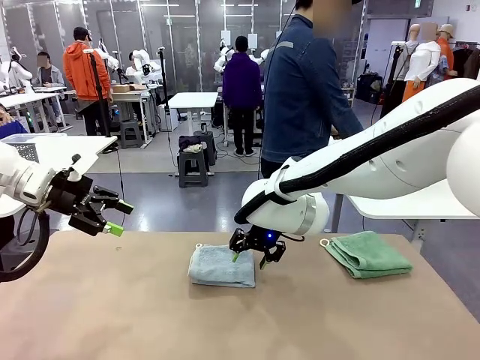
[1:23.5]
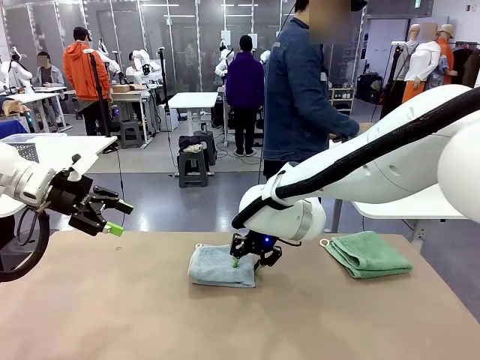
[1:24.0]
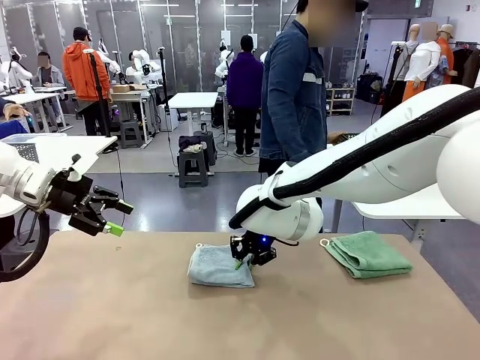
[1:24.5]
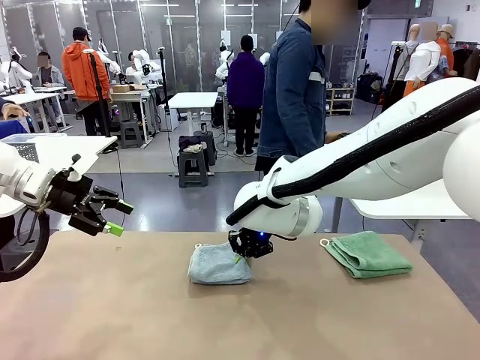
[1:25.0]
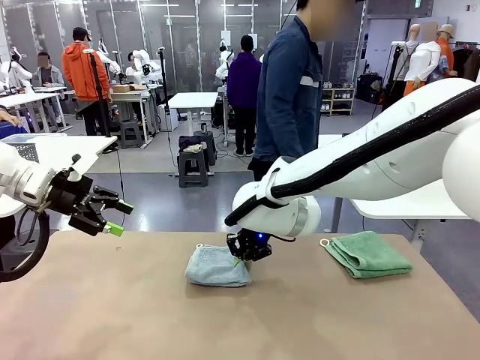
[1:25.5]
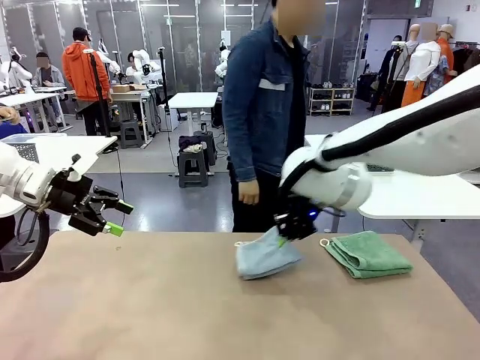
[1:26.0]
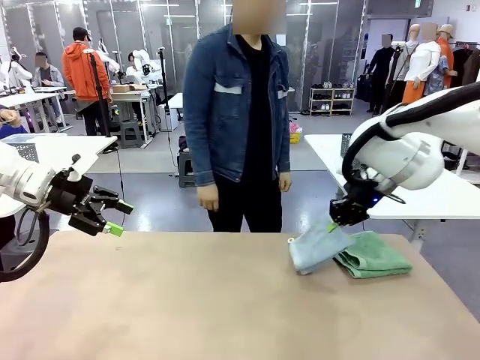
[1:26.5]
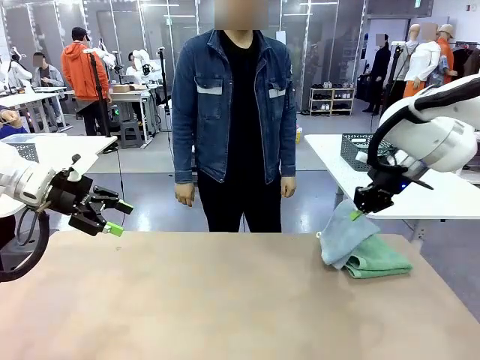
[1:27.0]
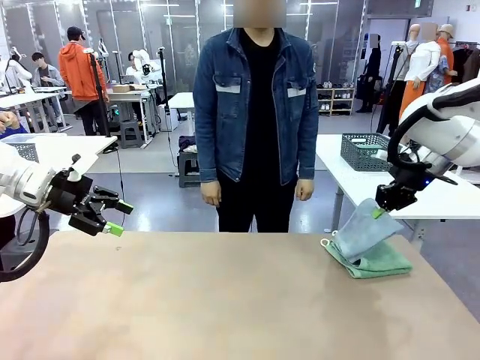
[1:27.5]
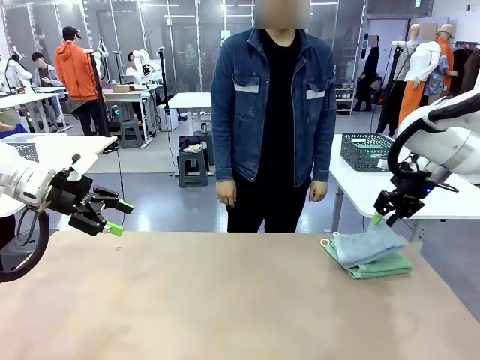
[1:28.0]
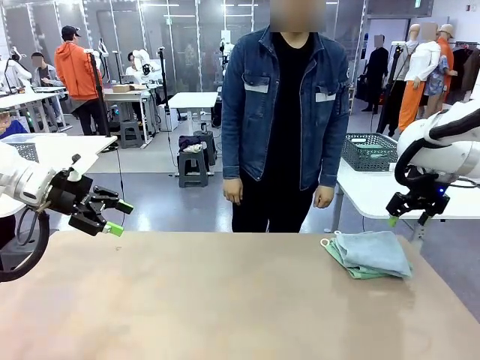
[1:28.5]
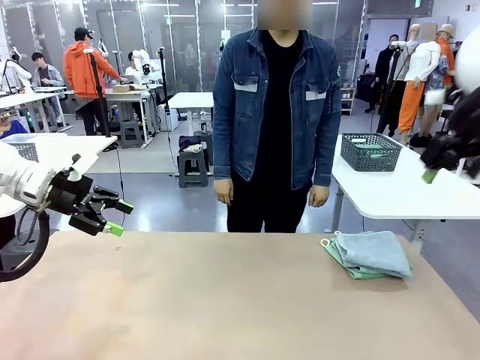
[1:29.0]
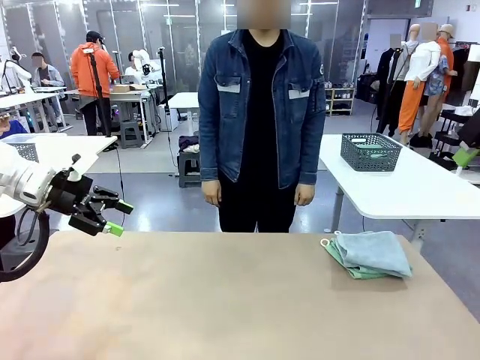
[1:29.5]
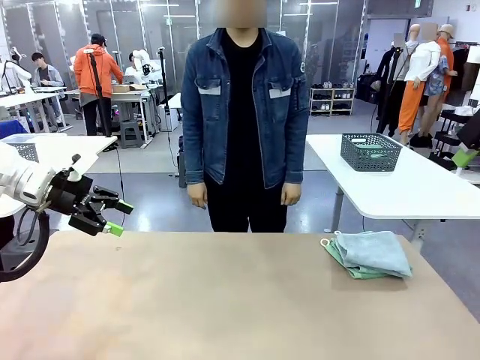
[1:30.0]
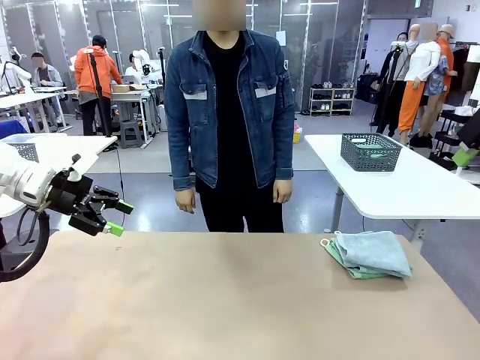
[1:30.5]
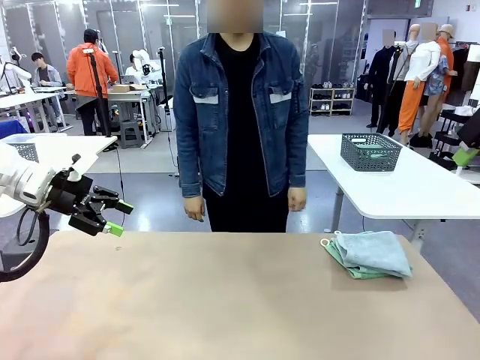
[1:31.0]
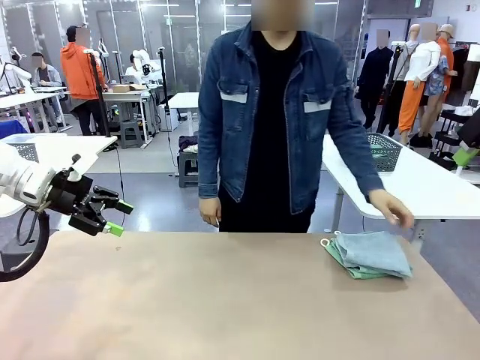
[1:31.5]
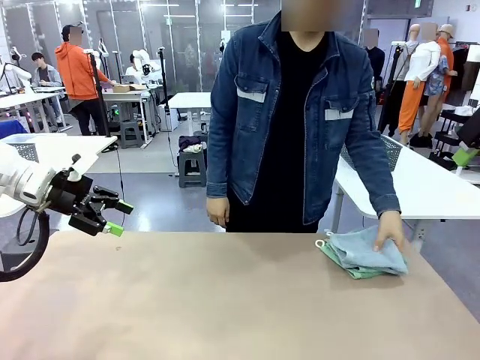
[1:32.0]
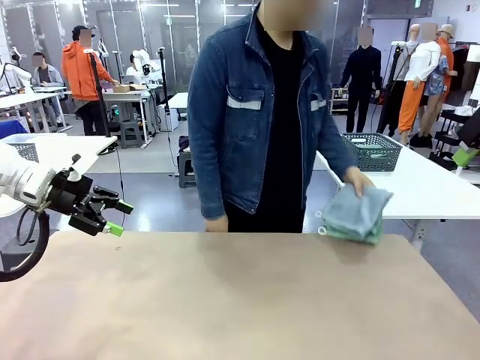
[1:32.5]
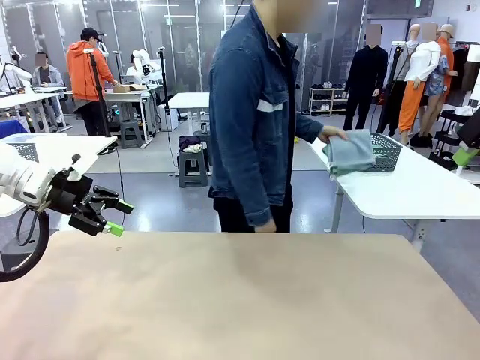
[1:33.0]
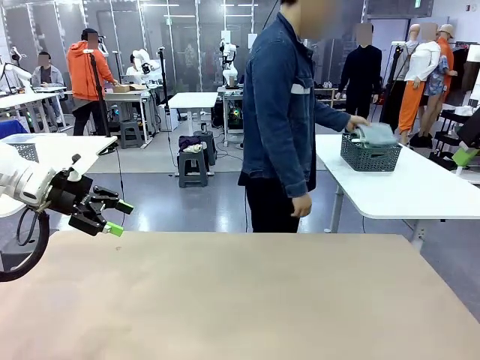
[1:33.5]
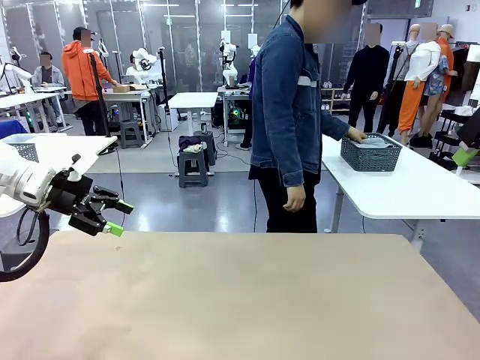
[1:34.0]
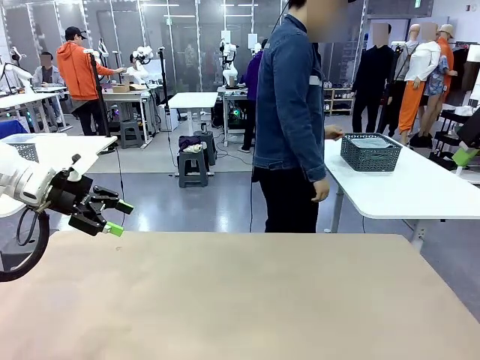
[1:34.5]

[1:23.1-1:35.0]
Task: Fold the towels and place them in the basket.
Robot: Stack the folded Towel with hook on the right side of the table.
Person: Pick up the stack of towels from the robot table and place it into the basket.

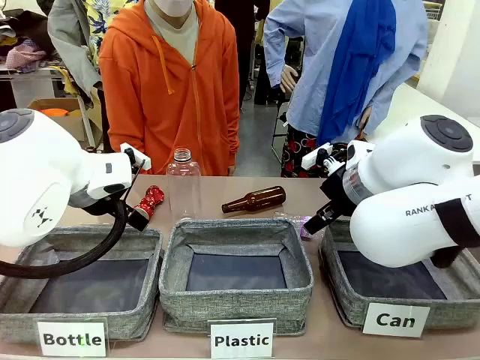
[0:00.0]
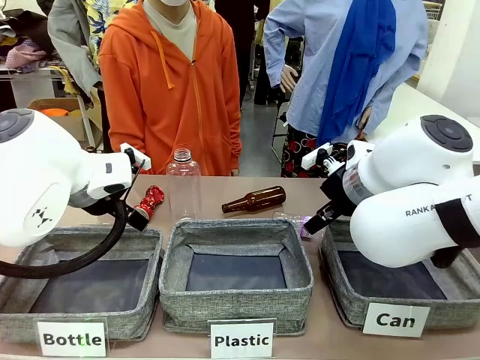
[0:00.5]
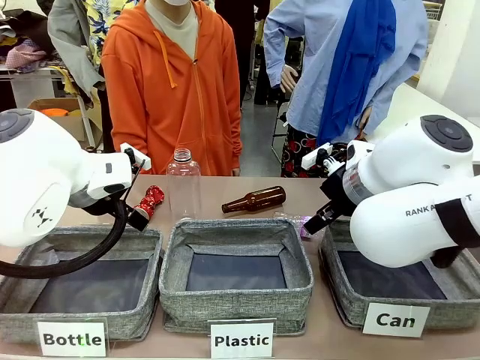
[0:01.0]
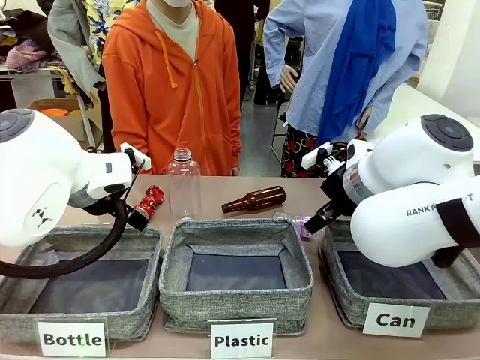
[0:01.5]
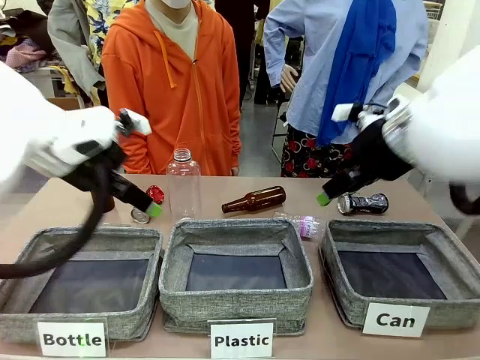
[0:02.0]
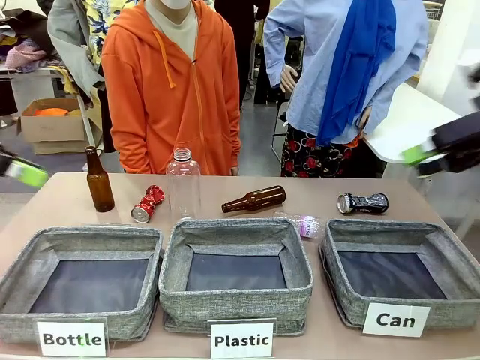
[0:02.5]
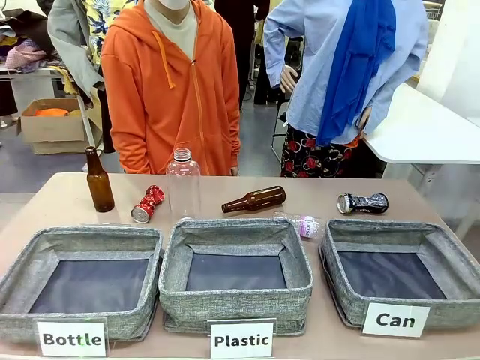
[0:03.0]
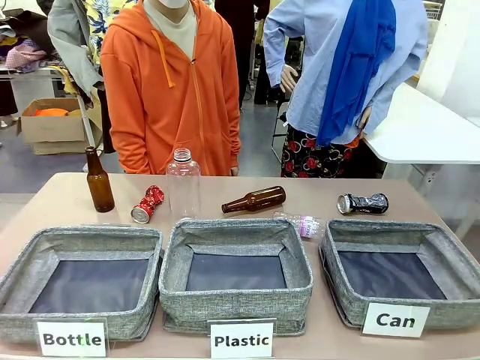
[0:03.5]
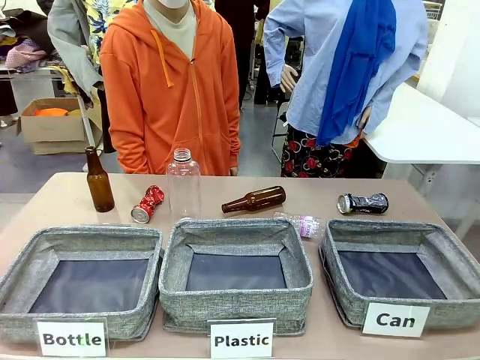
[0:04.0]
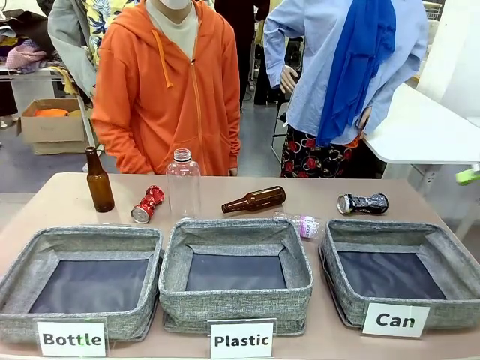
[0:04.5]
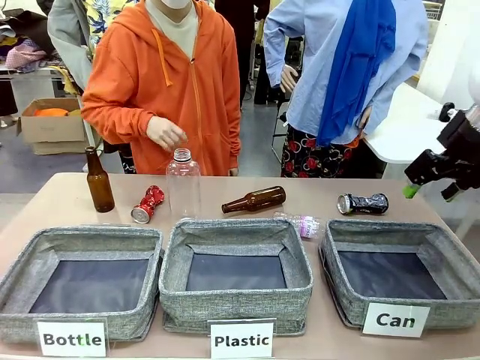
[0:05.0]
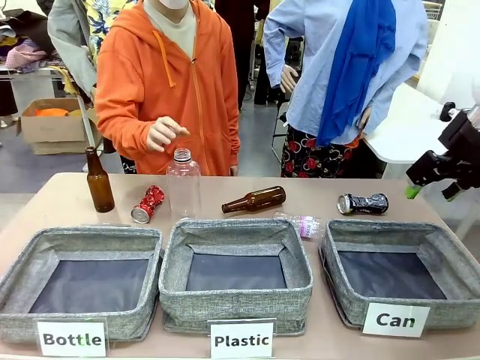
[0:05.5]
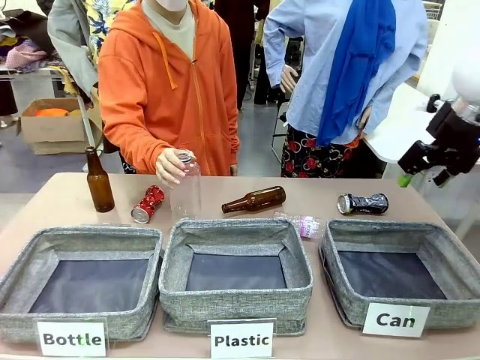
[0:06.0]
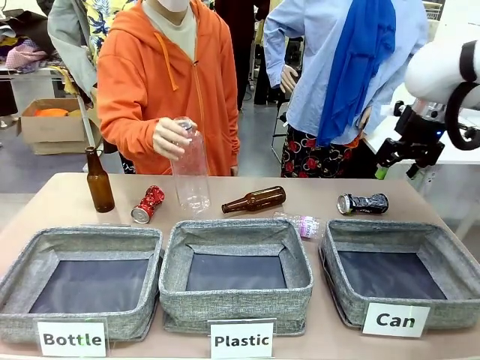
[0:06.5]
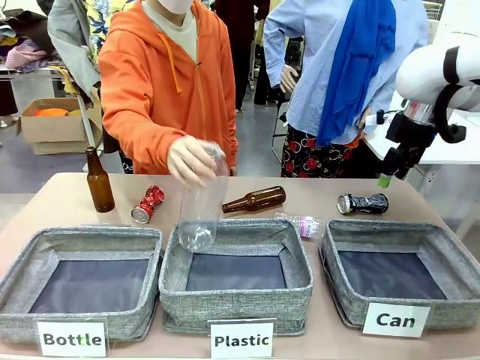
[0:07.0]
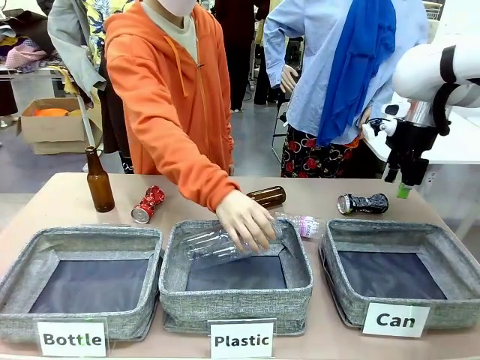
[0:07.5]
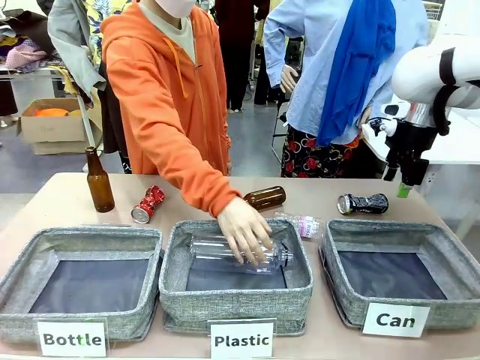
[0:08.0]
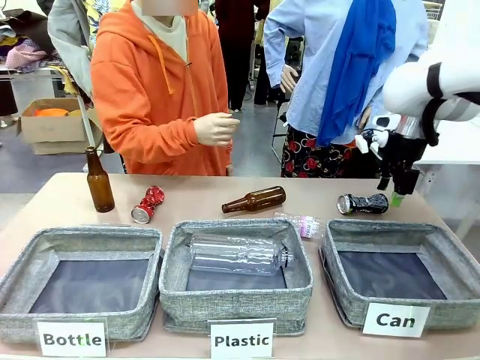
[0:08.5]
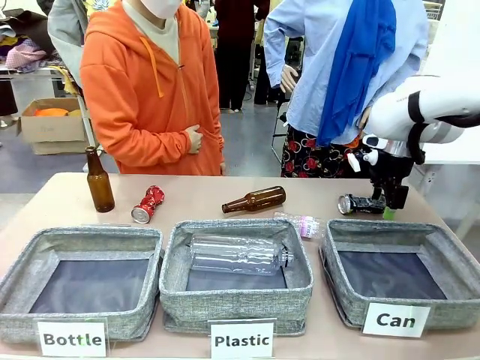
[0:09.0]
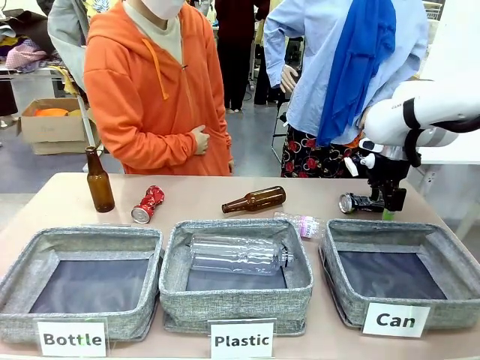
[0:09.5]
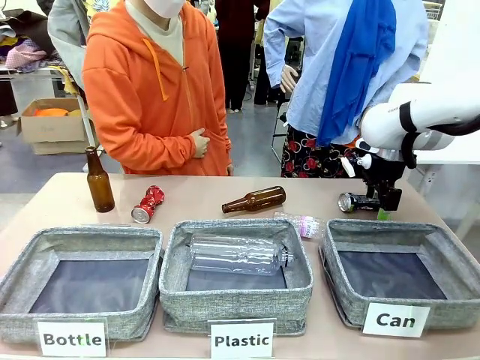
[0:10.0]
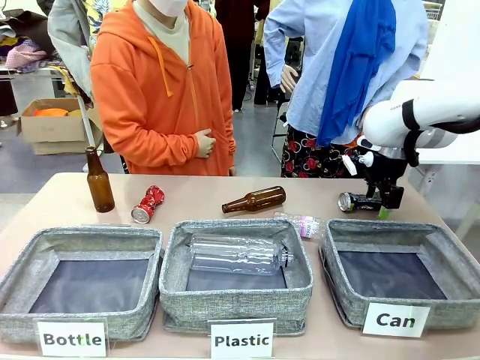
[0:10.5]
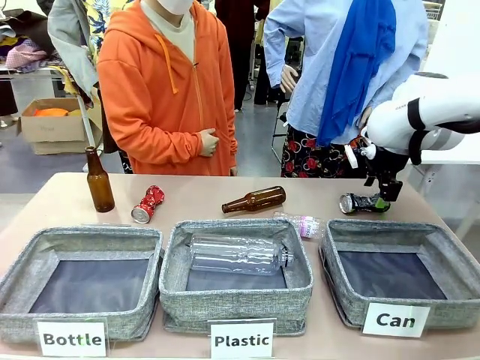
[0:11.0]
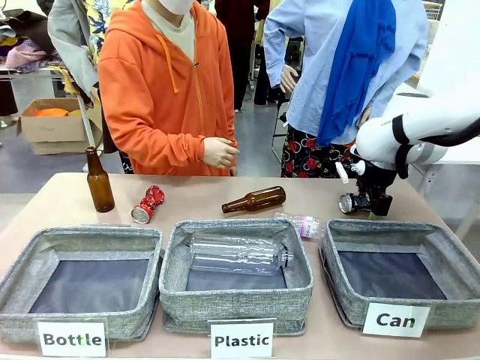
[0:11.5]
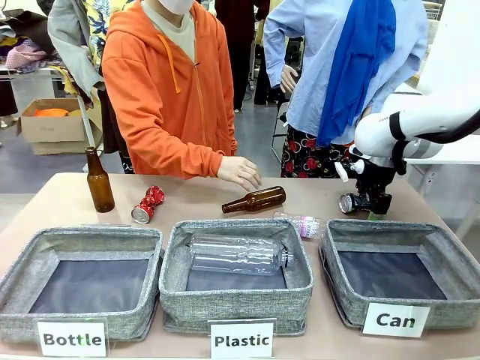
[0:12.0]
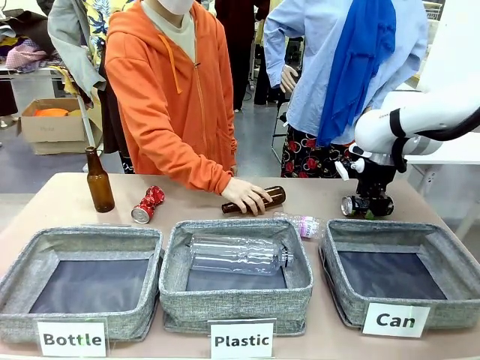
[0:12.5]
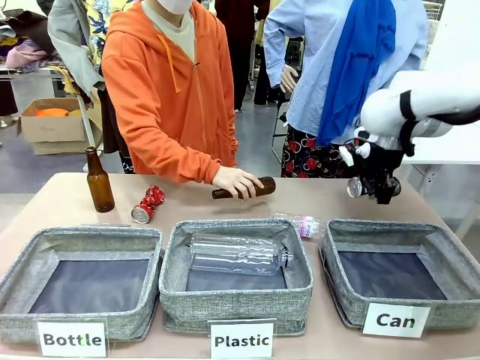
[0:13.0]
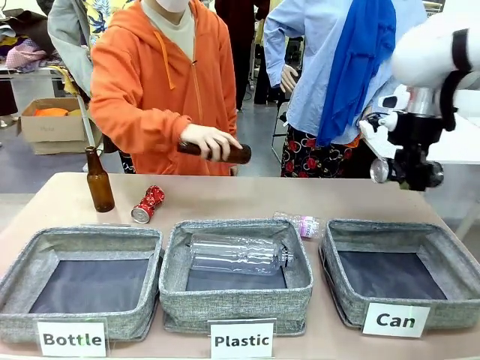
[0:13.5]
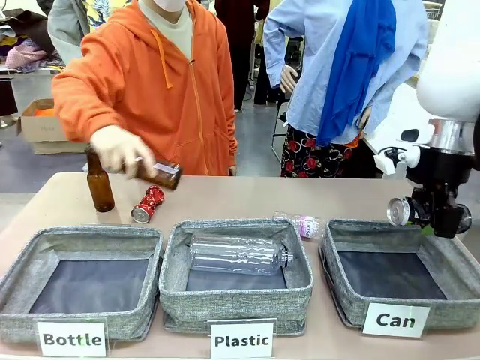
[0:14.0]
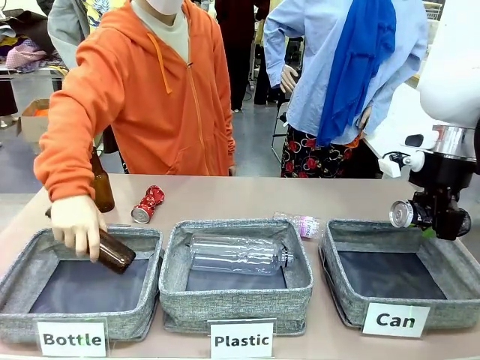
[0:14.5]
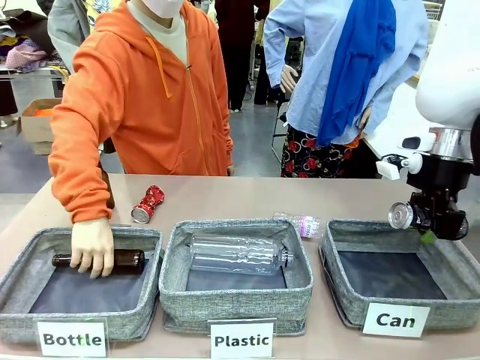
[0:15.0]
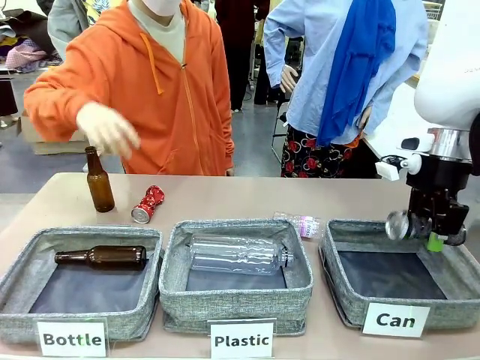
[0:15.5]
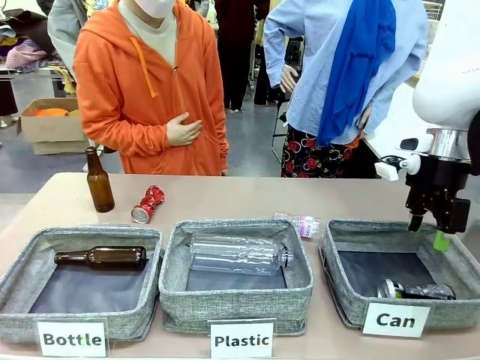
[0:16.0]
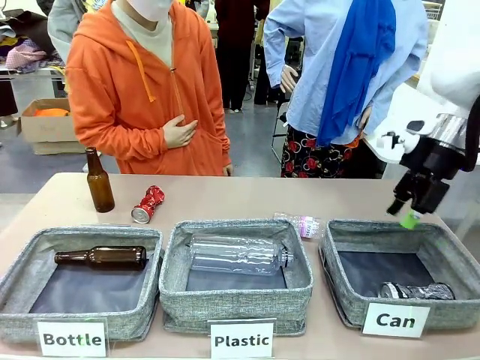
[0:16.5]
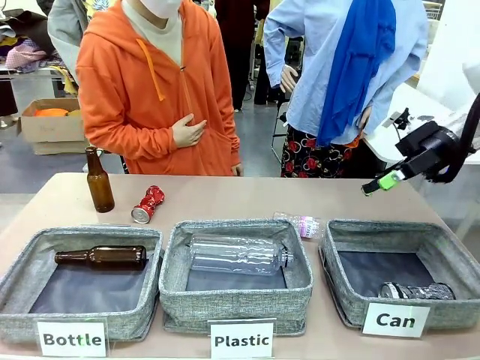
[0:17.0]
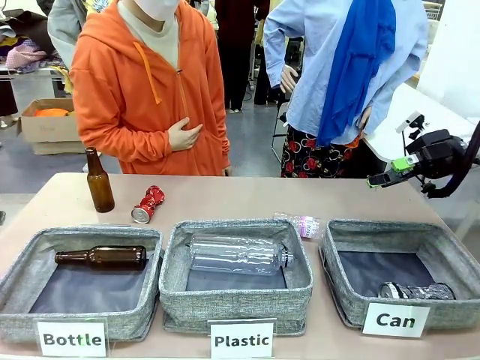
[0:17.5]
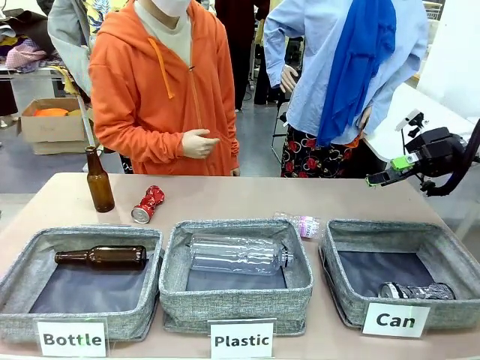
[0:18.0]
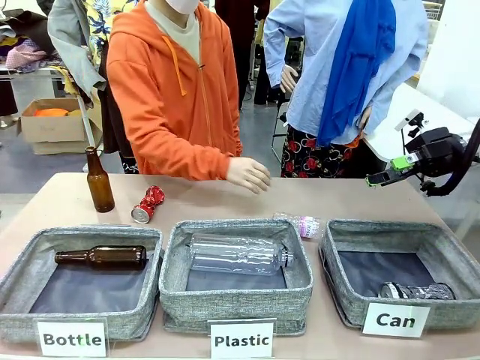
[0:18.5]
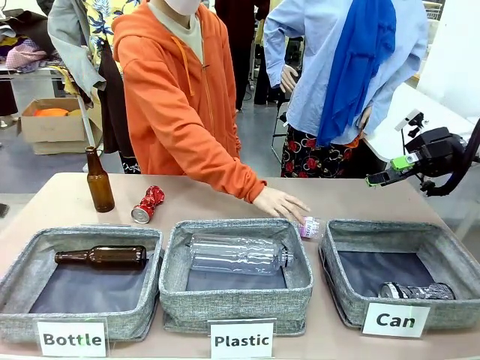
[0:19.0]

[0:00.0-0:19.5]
Task: Sort the can waste into the basket.
Robot: Pick up the can waste from the table and place it in the right Fabric basket.
